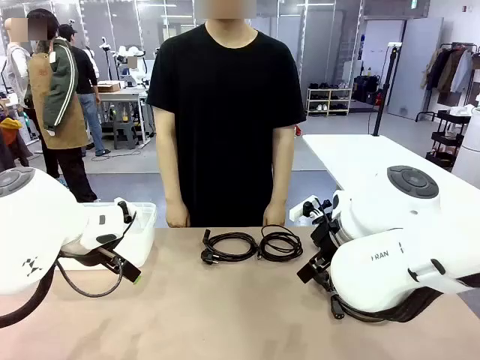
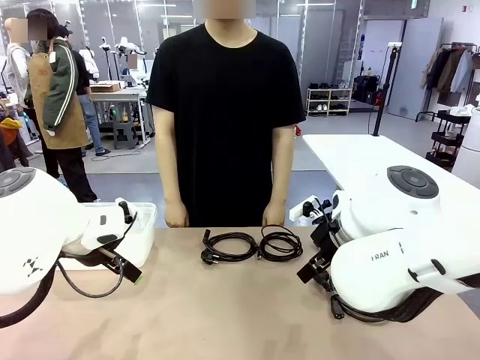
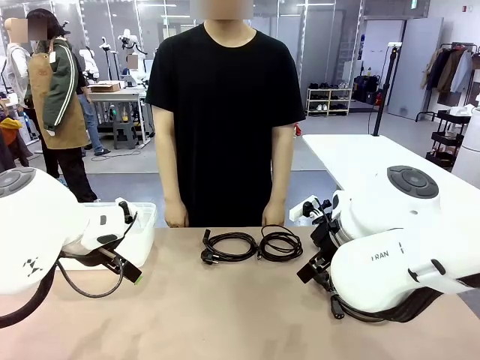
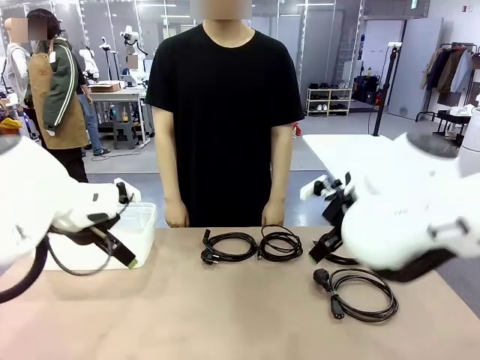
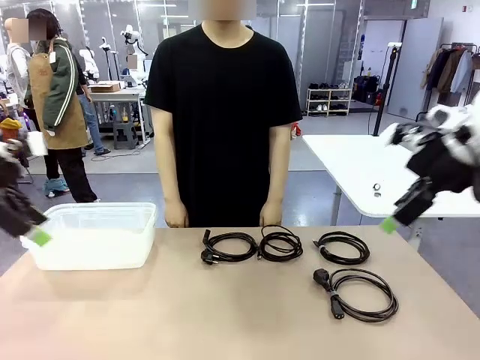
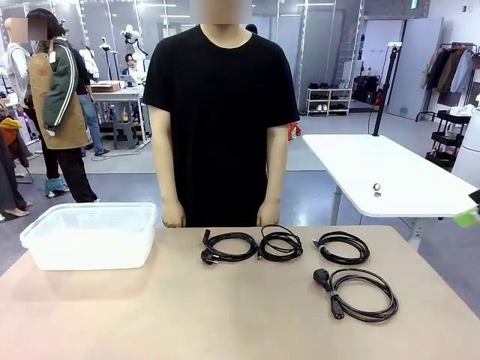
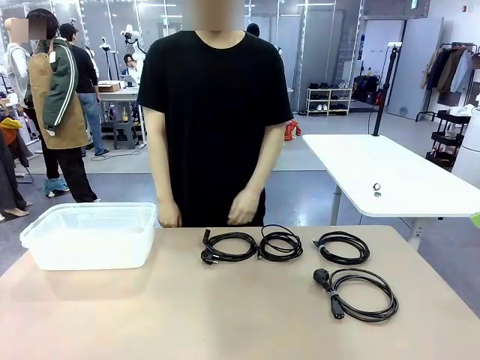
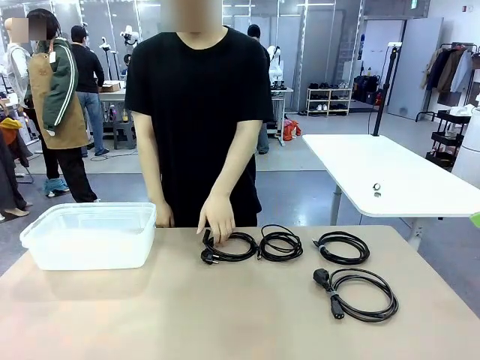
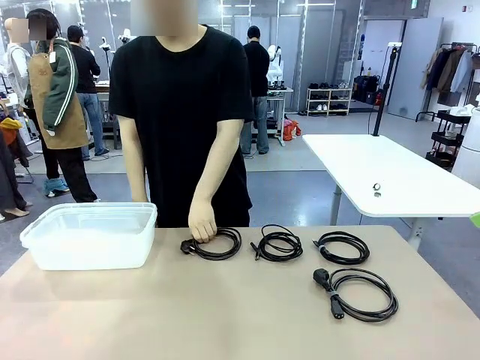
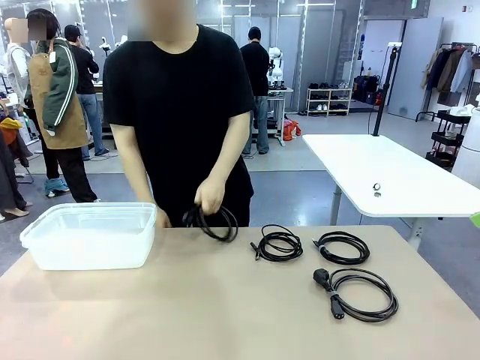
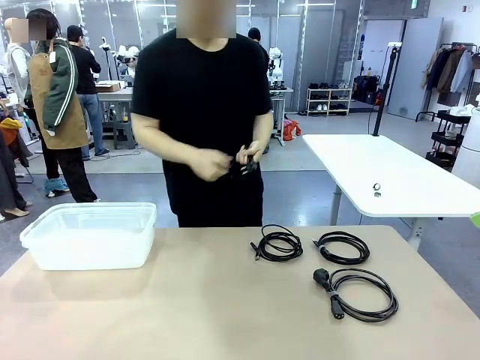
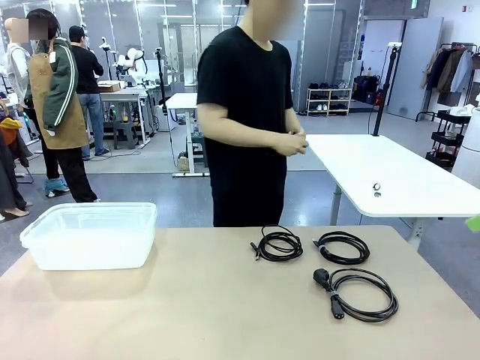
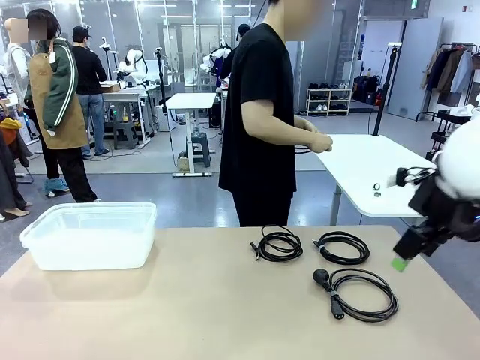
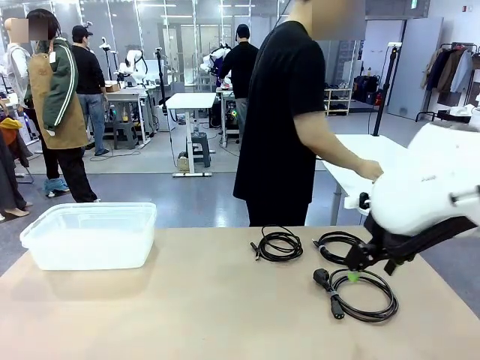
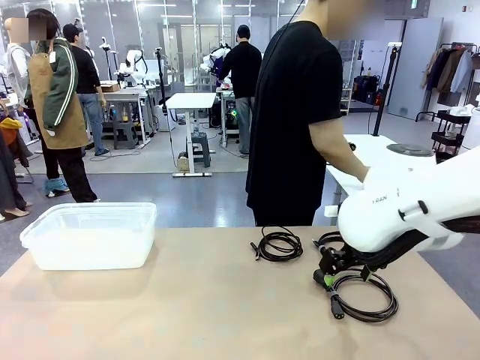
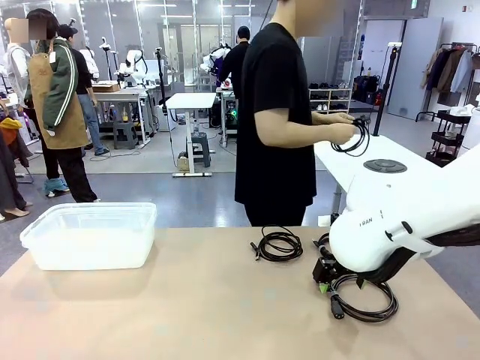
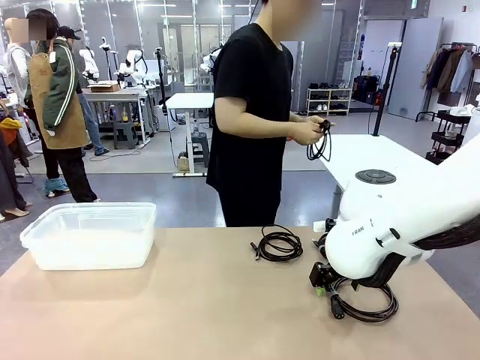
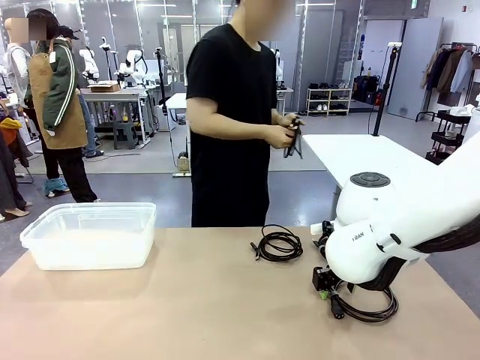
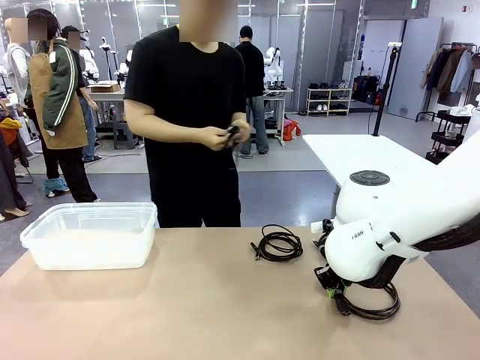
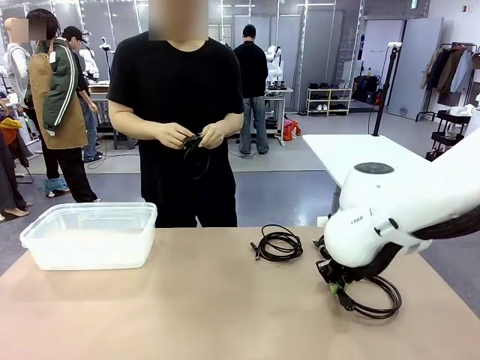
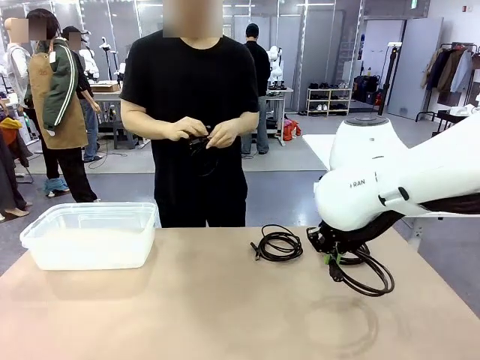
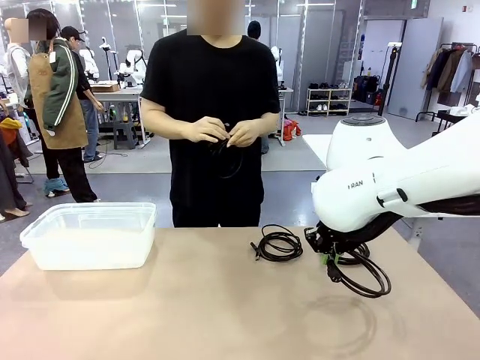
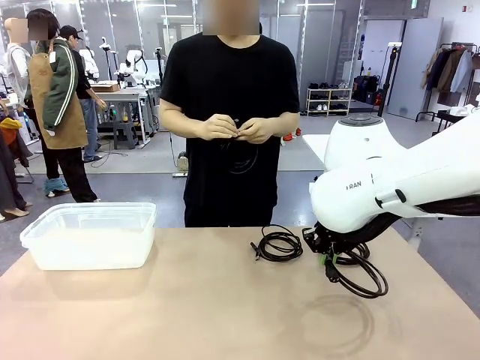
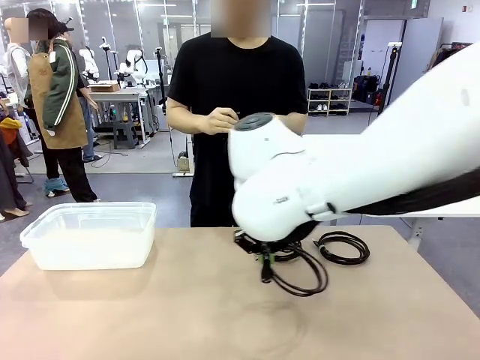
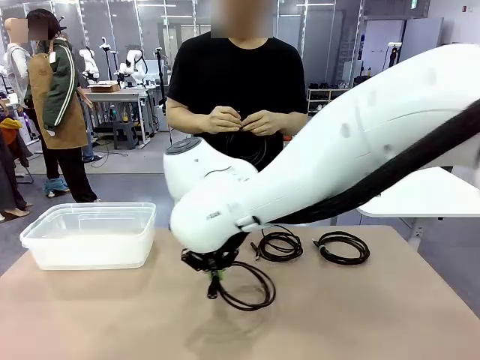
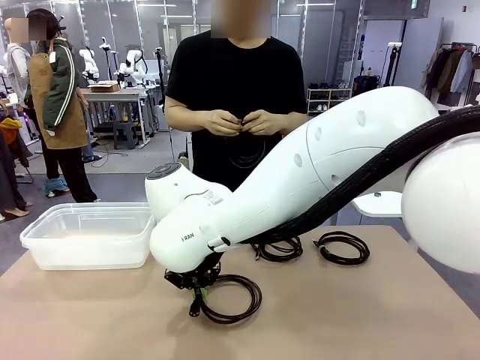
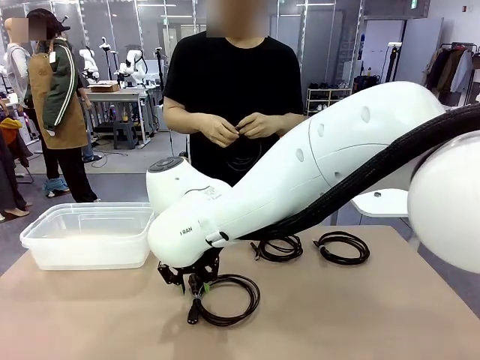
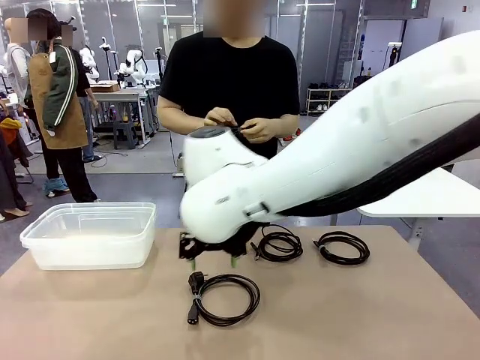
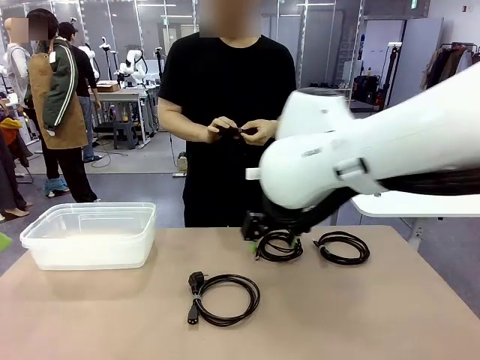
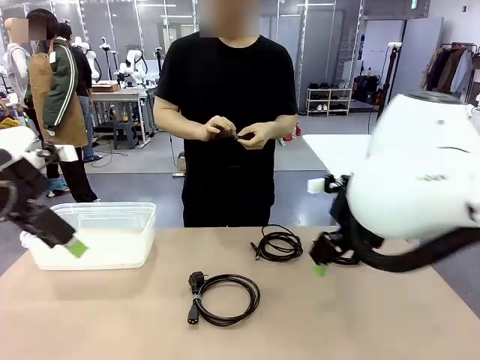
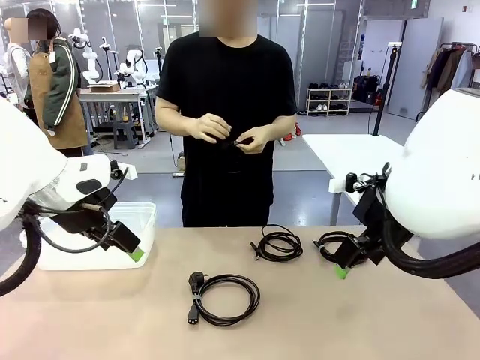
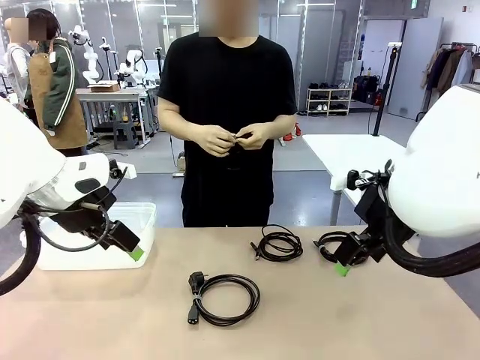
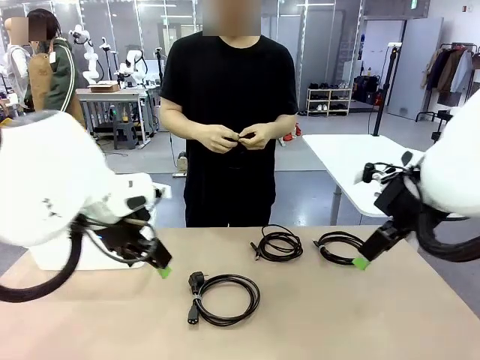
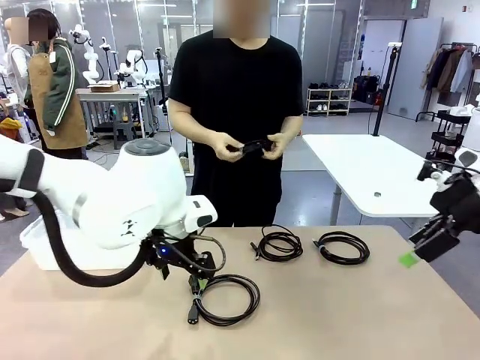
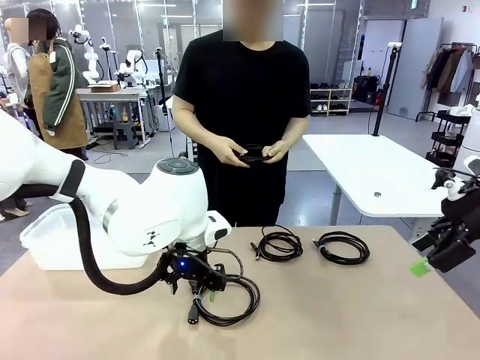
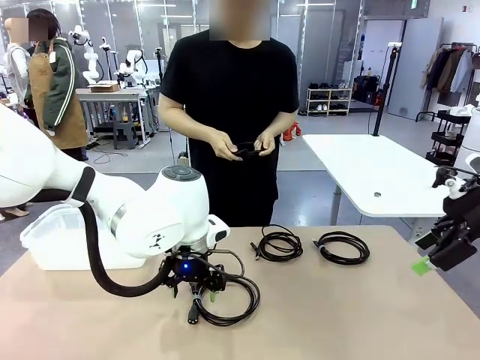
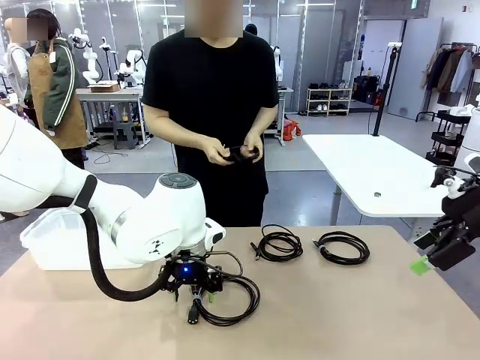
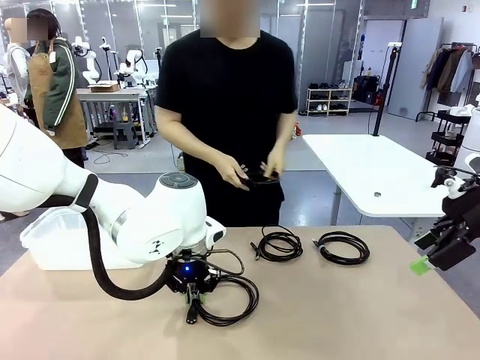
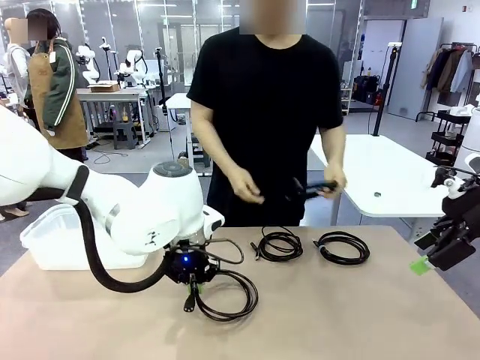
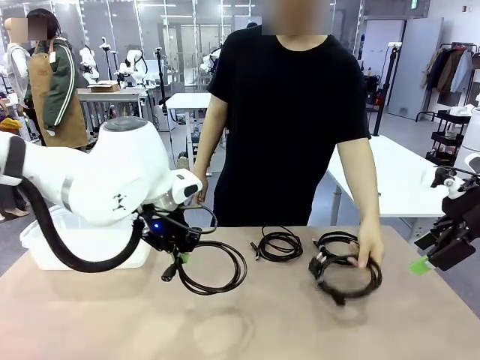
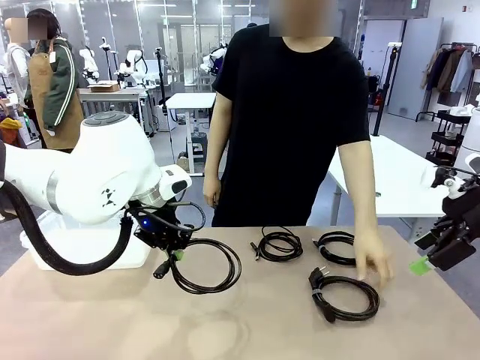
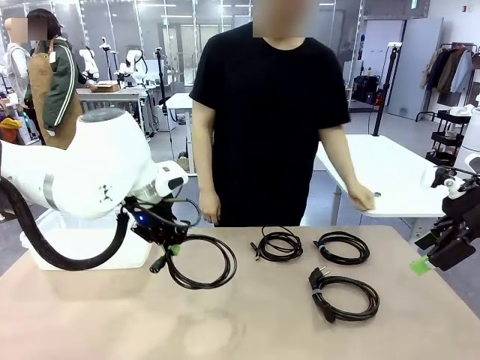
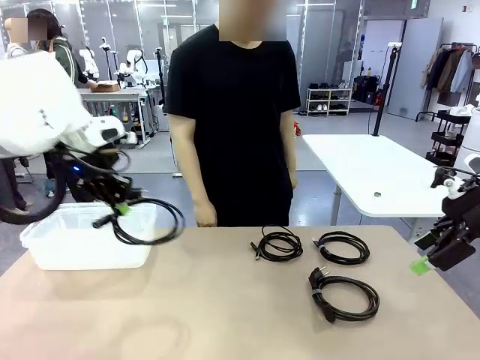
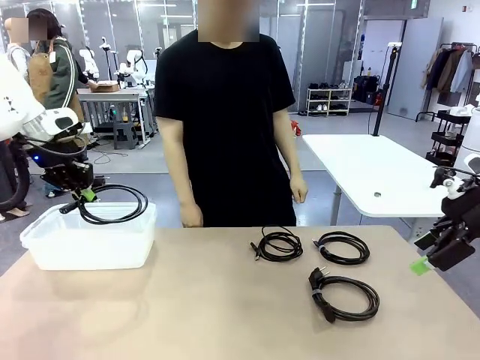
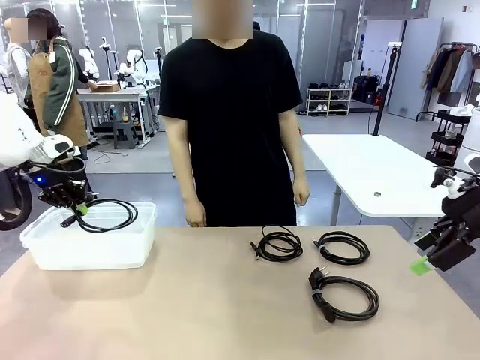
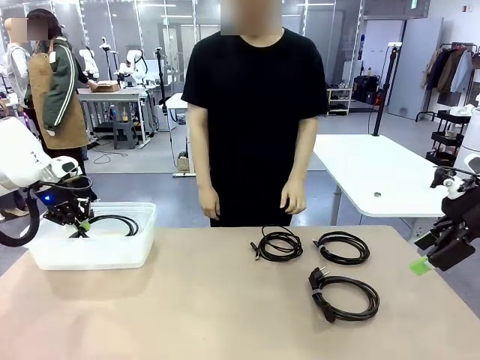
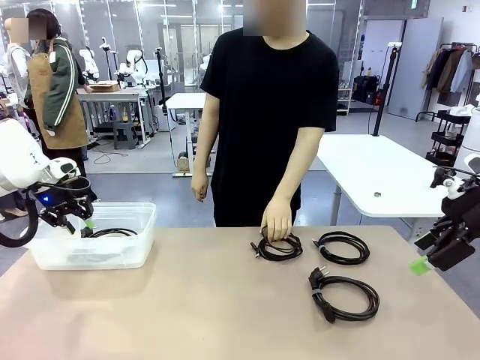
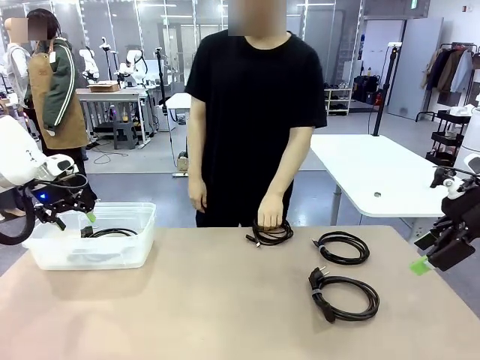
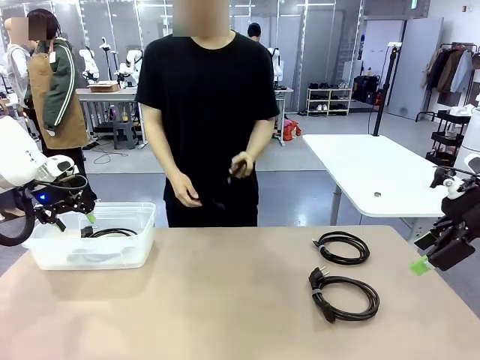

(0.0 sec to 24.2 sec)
Task: Organize and store the cables.
Robot: Place the Power Cable into the Organizing box.
Person: Tie one Power Cable with a Reusable Cable Tie.
